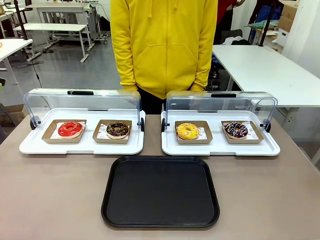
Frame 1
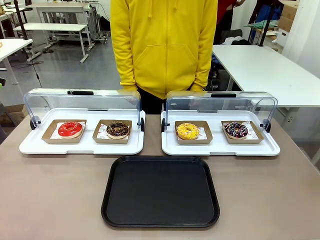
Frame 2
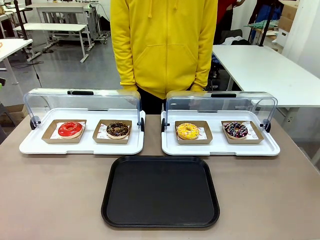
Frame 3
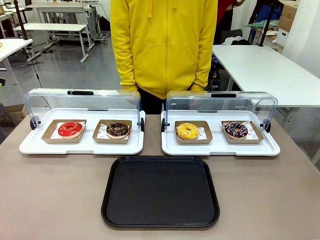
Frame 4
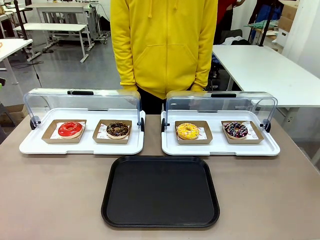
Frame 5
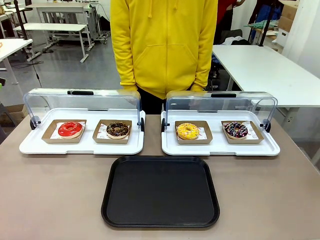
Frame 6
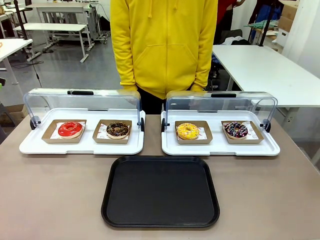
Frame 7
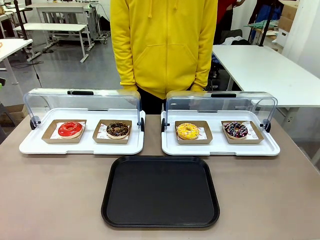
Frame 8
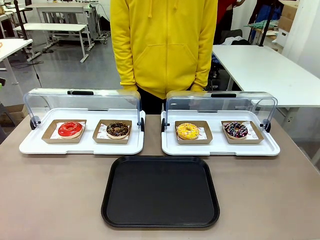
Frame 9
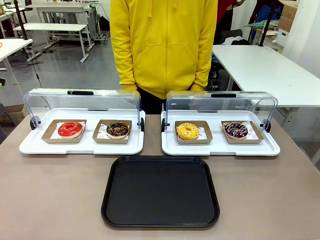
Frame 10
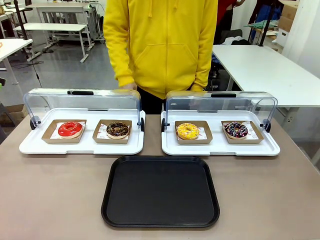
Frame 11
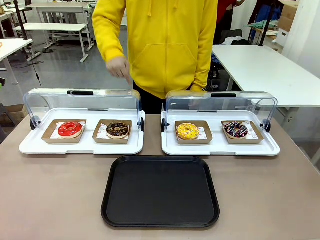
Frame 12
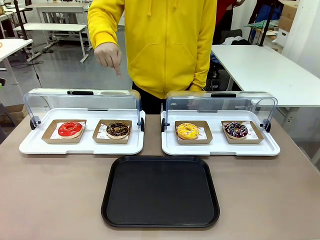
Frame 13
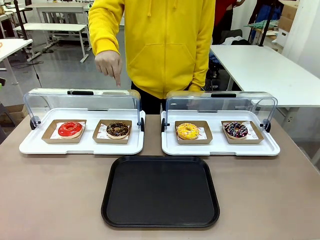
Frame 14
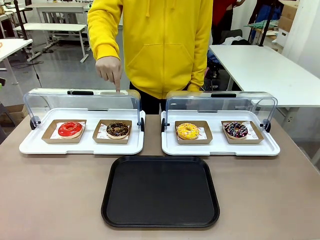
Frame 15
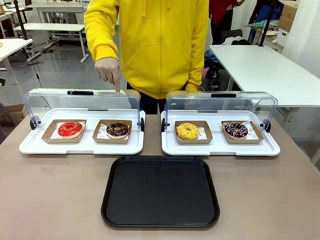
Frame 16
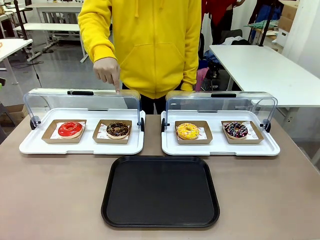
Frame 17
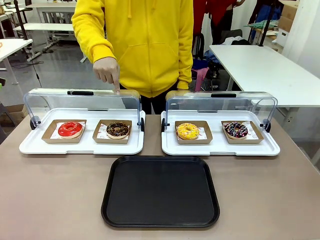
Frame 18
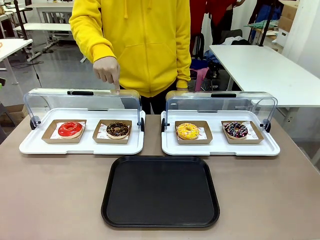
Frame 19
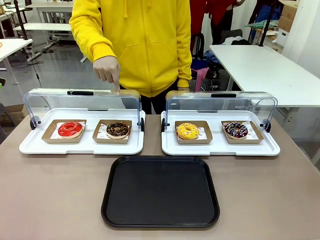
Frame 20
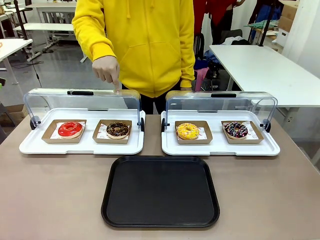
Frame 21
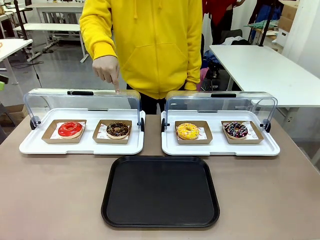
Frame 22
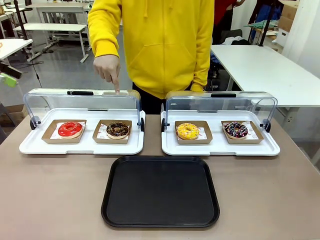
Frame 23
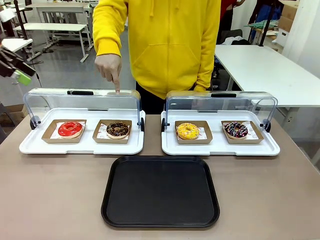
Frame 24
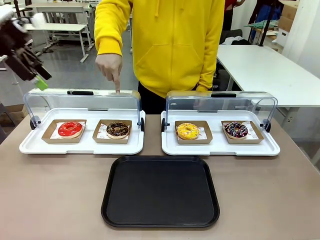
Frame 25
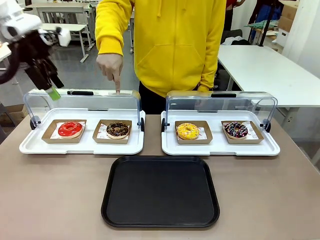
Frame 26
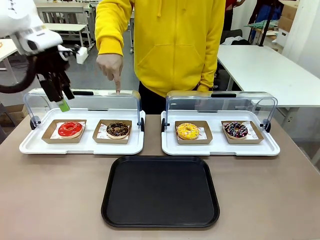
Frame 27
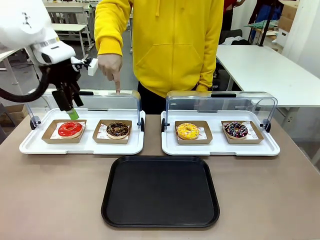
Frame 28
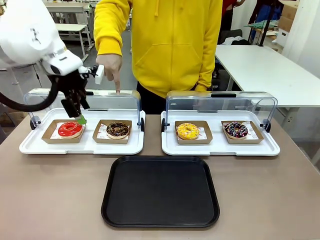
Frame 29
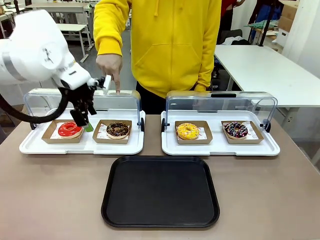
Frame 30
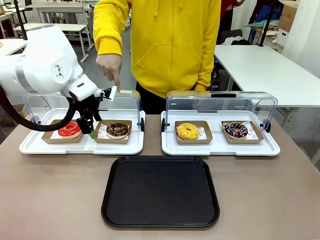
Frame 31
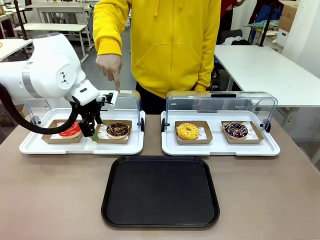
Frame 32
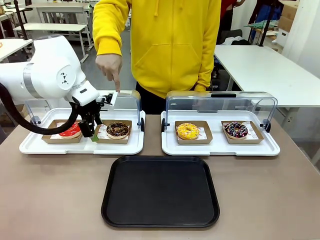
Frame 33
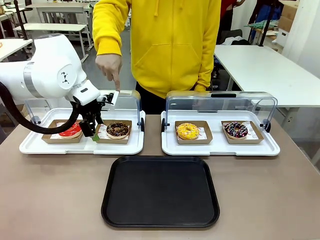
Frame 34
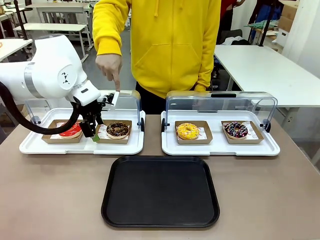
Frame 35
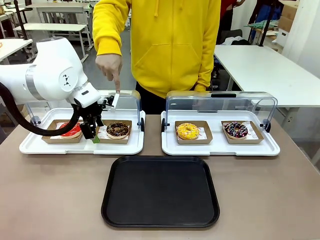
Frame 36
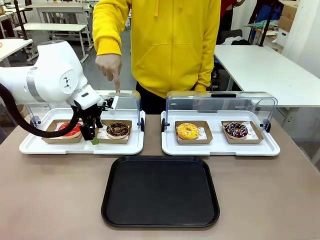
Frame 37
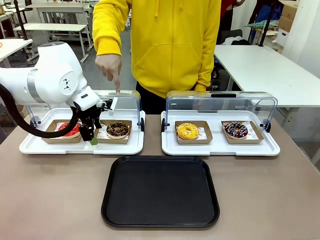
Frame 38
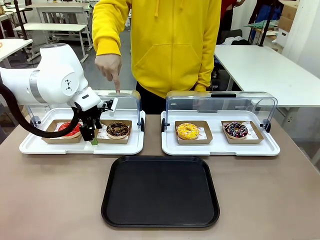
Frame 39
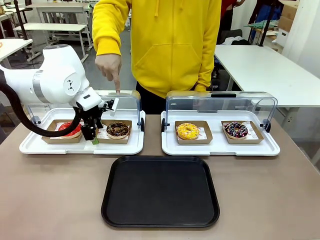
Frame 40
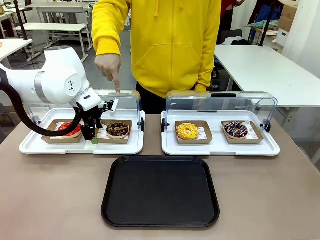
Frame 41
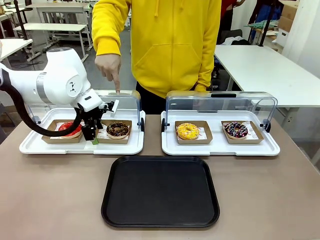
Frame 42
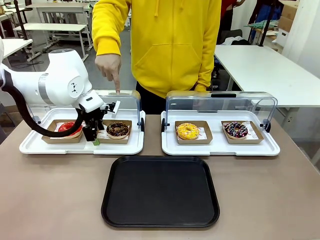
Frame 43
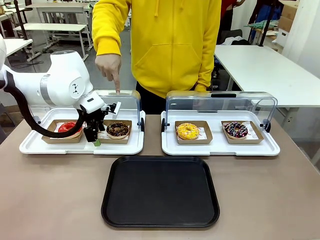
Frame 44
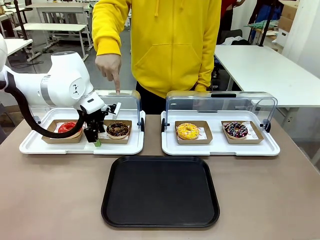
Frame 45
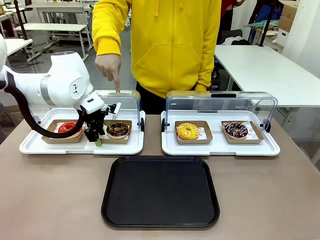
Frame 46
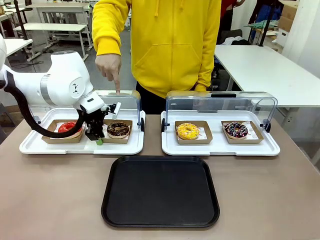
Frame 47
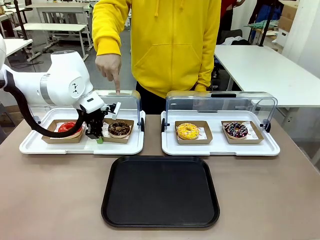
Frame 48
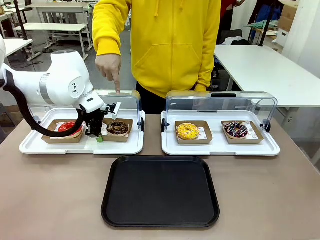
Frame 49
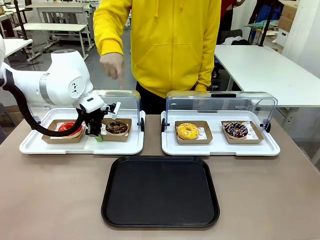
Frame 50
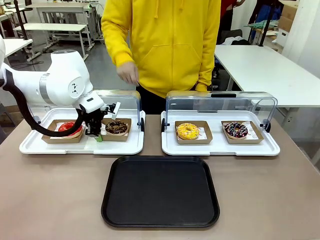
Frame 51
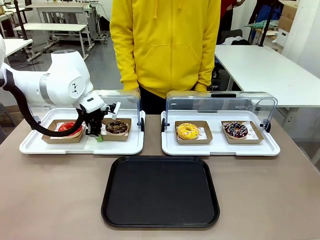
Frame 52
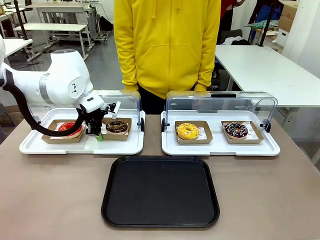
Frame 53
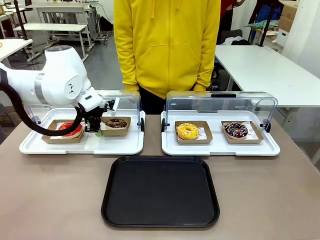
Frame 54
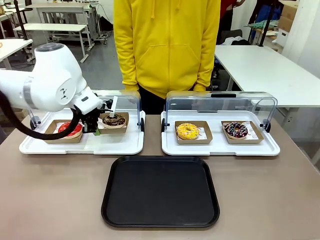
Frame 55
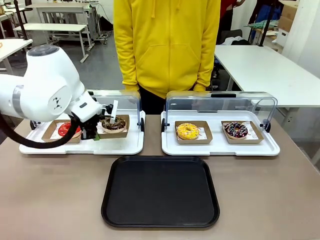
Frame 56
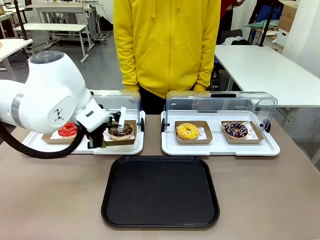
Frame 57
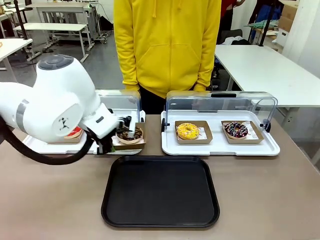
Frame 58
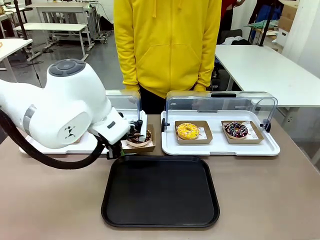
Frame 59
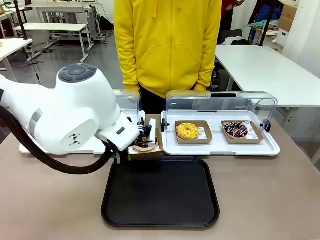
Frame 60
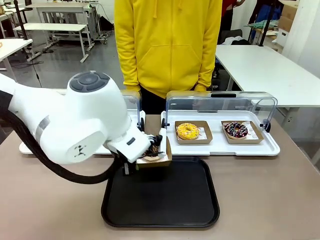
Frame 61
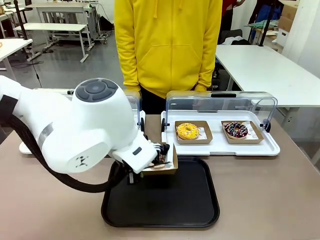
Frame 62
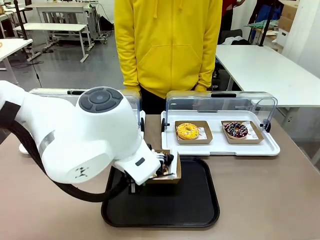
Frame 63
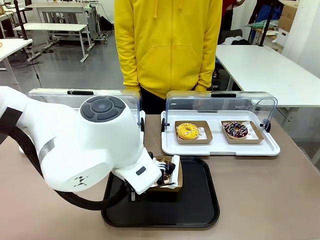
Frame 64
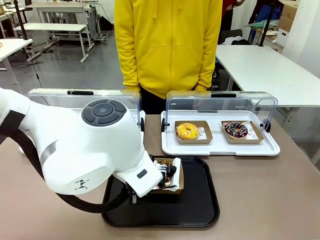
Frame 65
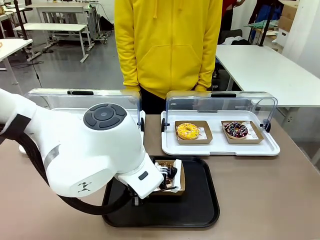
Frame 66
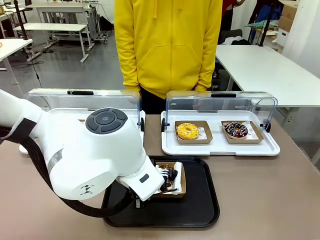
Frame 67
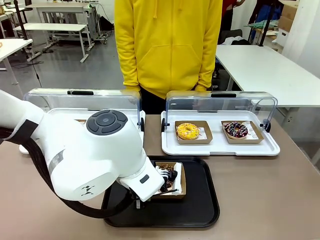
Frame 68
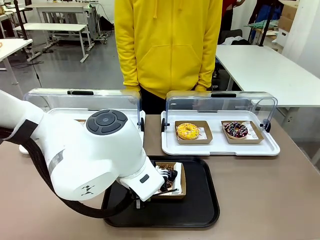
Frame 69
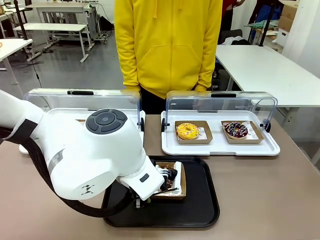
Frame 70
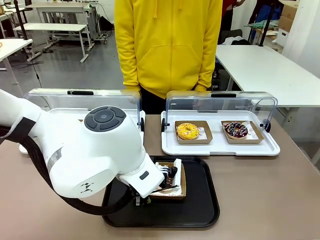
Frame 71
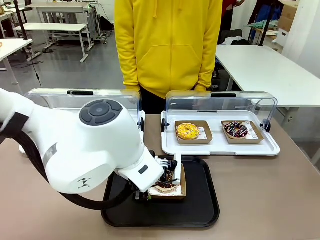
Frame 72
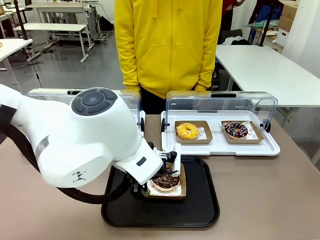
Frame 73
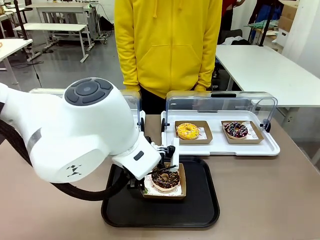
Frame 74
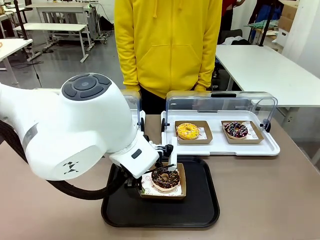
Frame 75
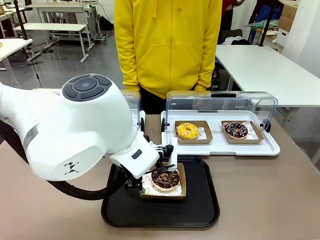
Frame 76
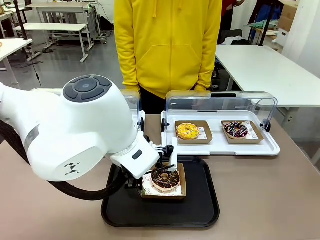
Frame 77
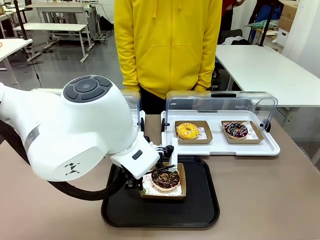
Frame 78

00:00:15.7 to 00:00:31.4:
Task: Move the second donut from the left to the tray.
Robot: Pick up the Paper togo box containing the Donut indicated by the person and place it on the Handle tray.

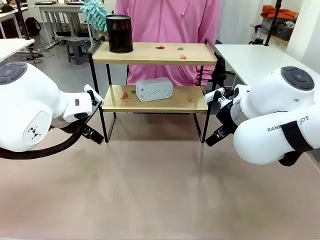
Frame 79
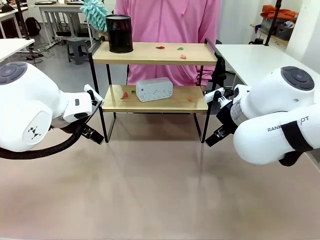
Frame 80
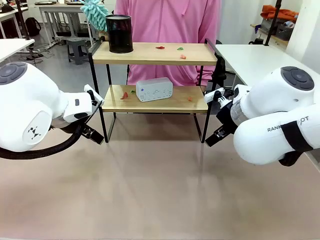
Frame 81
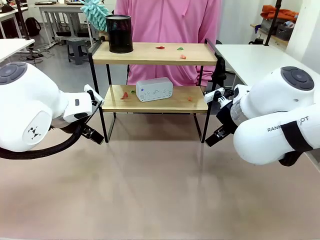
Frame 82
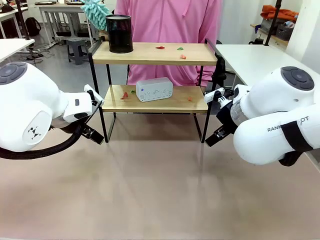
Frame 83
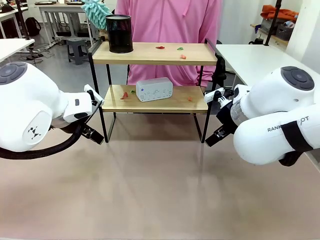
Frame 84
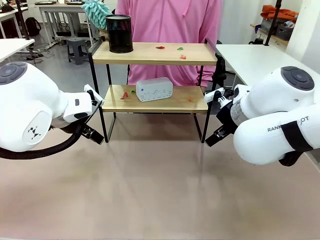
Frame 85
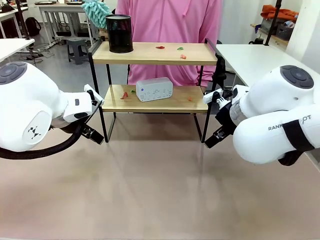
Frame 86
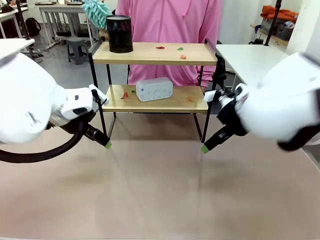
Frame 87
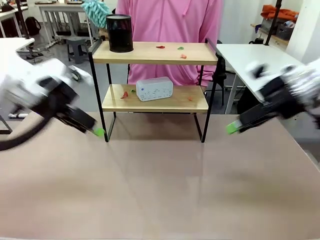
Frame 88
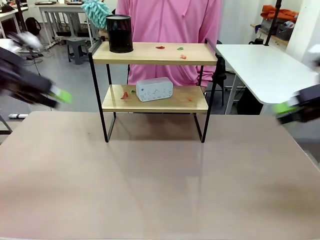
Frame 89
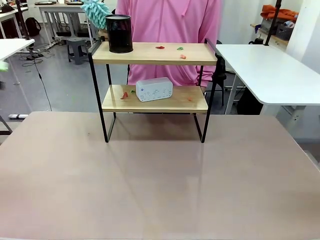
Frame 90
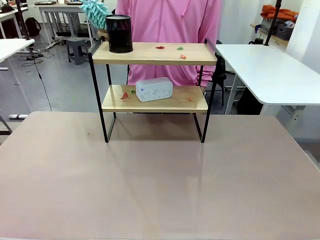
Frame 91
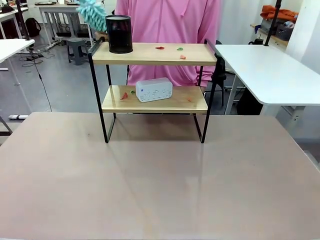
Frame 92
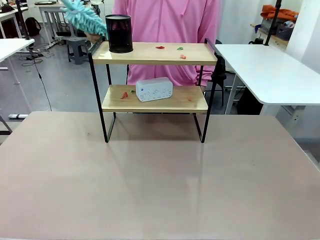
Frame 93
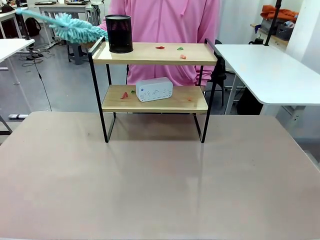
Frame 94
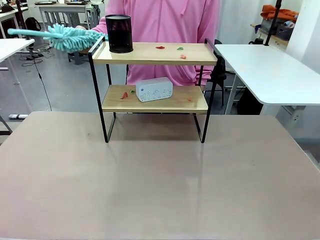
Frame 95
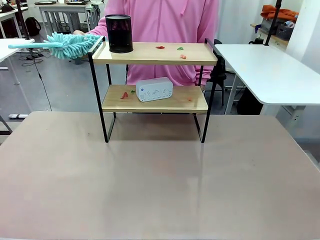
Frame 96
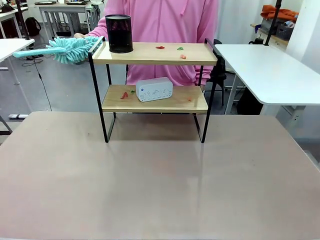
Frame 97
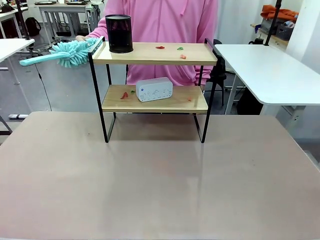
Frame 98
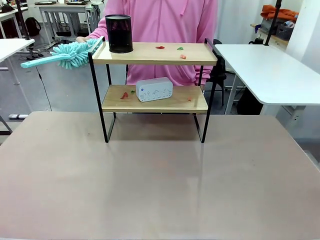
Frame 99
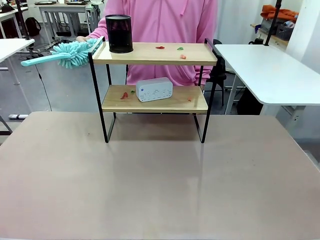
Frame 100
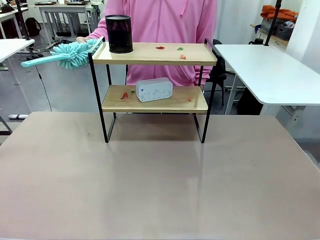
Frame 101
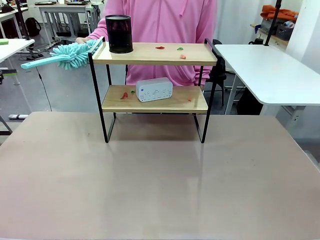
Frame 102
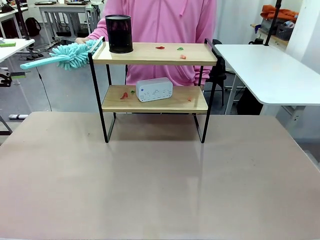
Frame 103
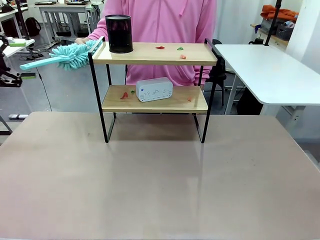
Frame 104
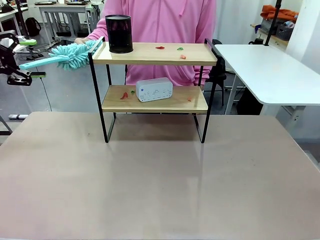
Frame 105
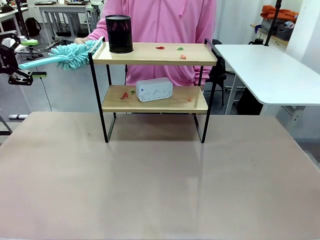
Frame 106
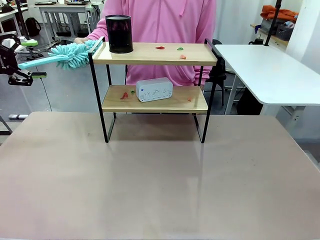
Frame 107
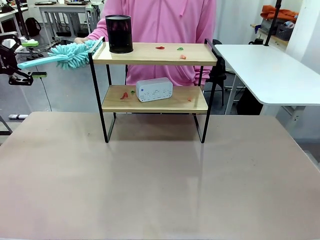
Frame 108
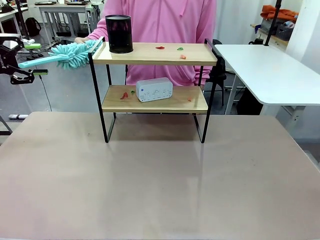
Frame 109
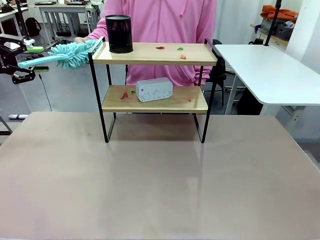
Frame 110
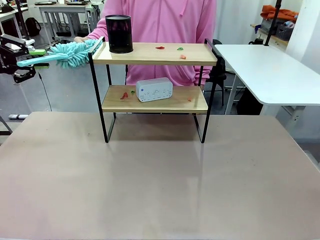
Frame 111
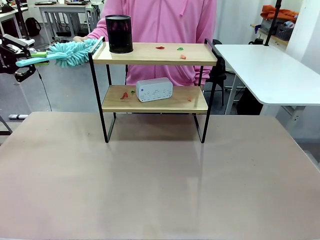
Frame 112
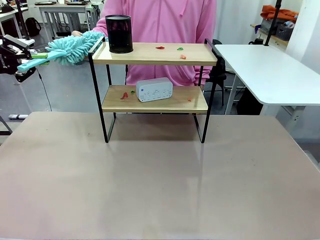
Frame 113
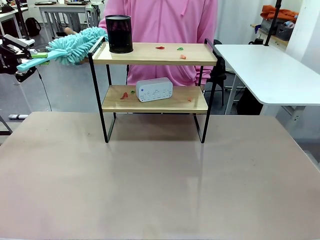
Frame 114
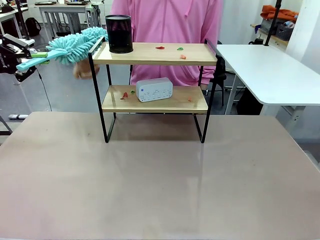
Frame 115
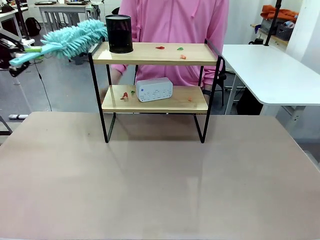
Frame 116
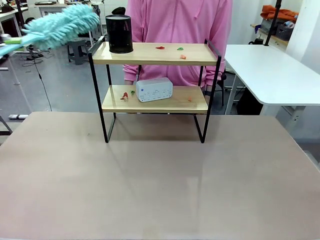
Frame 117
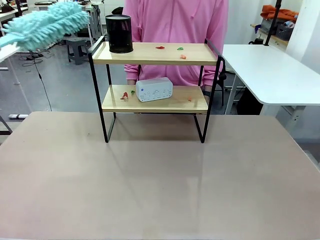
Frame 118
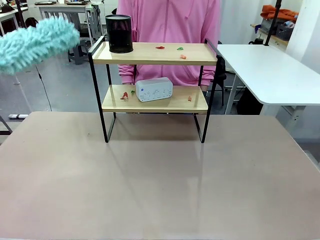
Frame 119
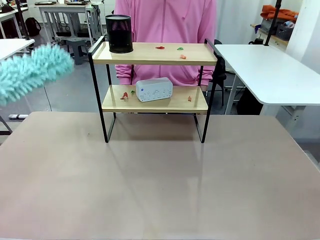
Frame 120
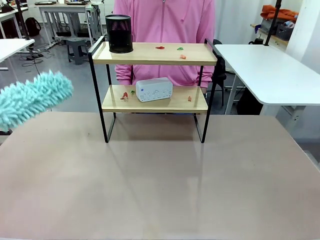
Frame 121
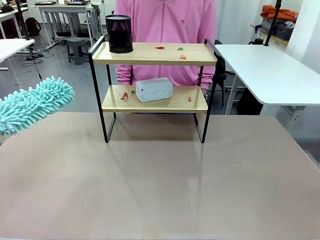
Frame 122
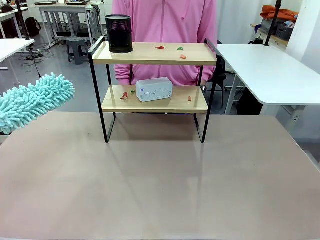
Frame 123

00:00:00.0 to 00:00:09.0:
Task: Clean the shelf.
Robot: Pick up the Duster from the human.
Person: Hand the Duster to the robot.
